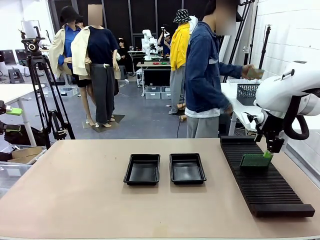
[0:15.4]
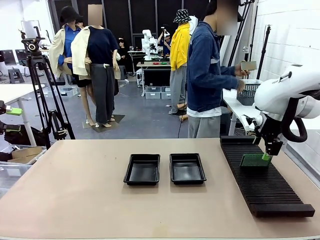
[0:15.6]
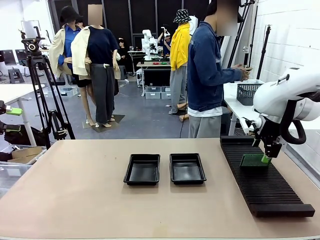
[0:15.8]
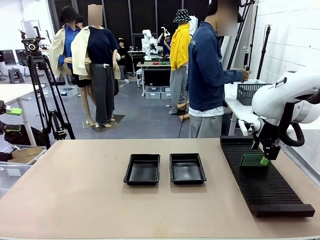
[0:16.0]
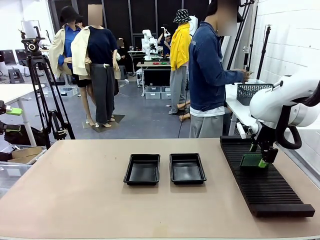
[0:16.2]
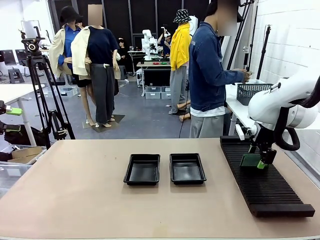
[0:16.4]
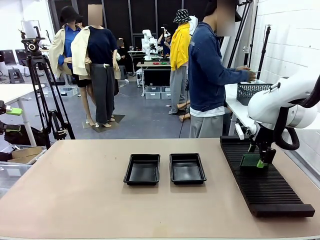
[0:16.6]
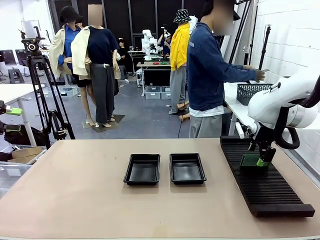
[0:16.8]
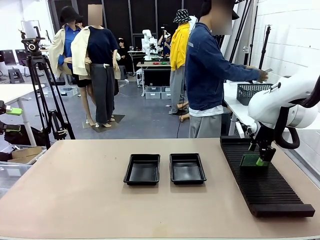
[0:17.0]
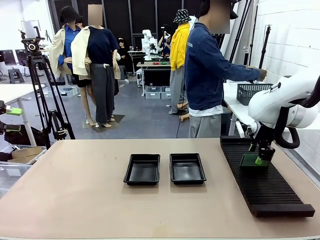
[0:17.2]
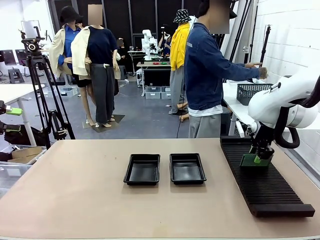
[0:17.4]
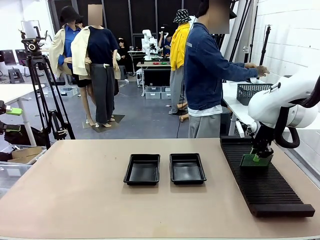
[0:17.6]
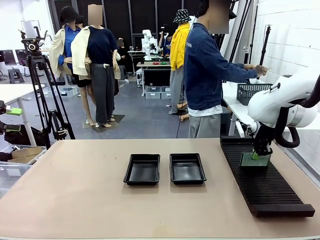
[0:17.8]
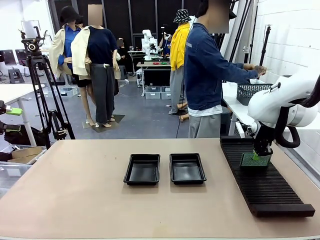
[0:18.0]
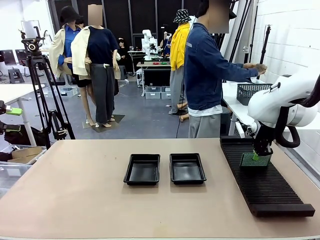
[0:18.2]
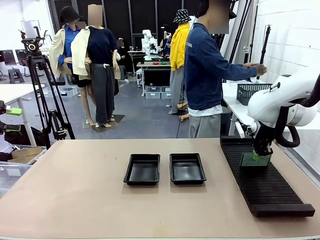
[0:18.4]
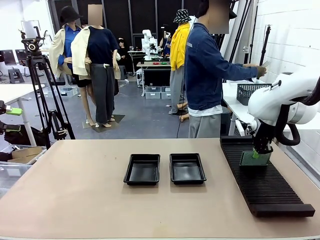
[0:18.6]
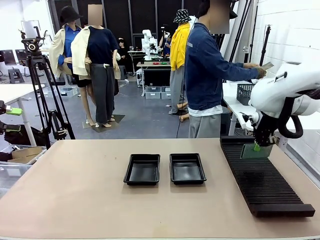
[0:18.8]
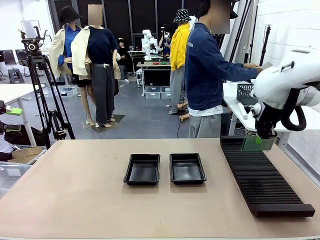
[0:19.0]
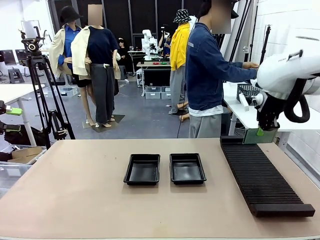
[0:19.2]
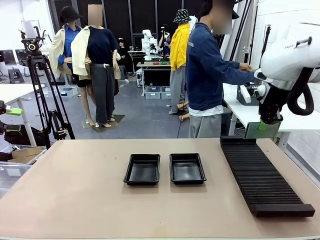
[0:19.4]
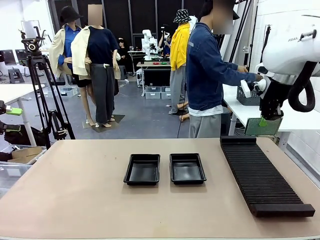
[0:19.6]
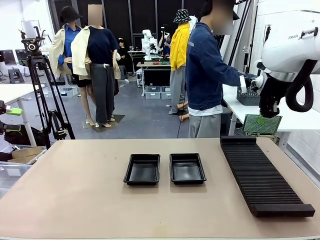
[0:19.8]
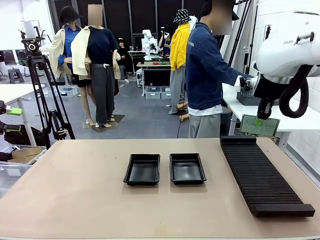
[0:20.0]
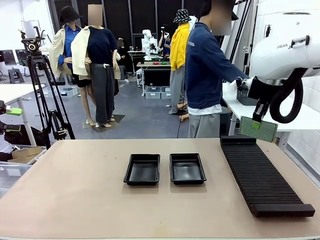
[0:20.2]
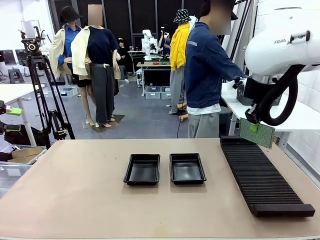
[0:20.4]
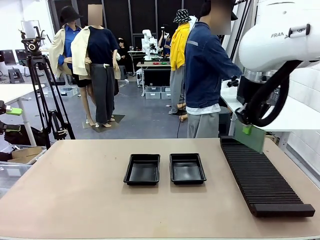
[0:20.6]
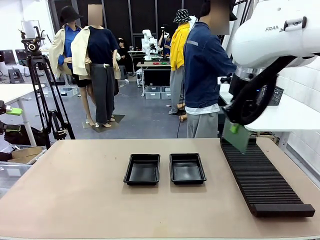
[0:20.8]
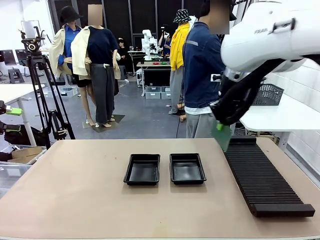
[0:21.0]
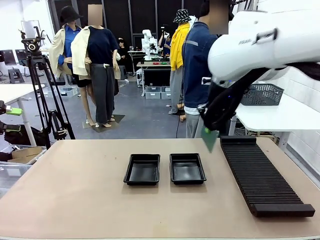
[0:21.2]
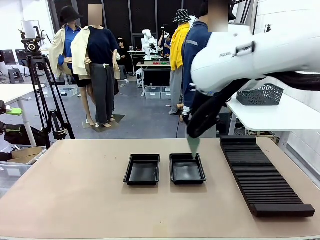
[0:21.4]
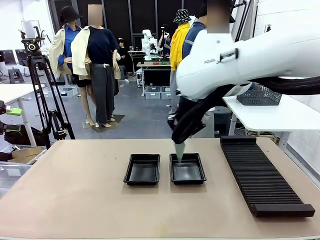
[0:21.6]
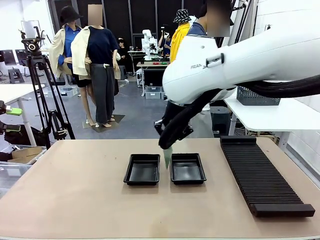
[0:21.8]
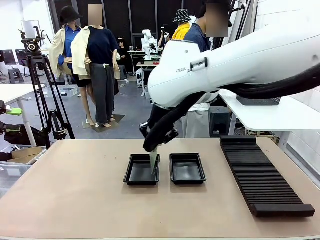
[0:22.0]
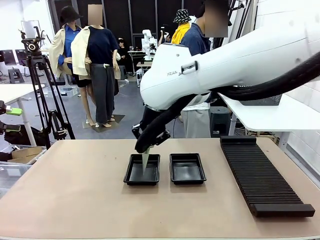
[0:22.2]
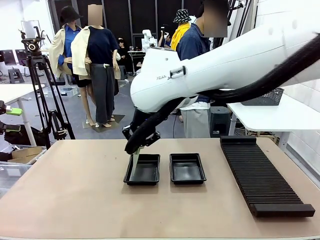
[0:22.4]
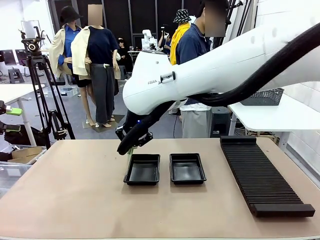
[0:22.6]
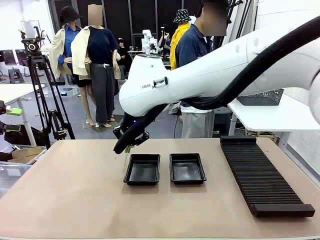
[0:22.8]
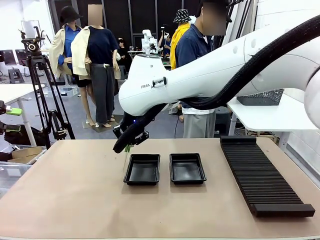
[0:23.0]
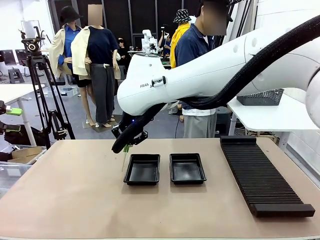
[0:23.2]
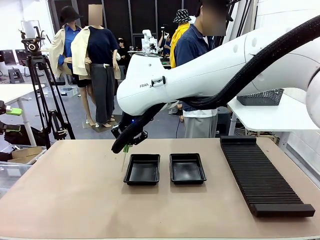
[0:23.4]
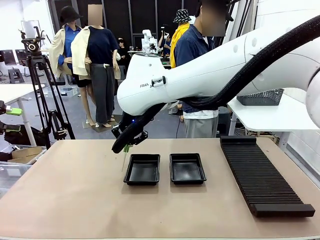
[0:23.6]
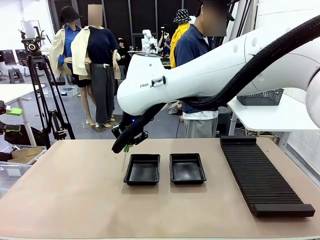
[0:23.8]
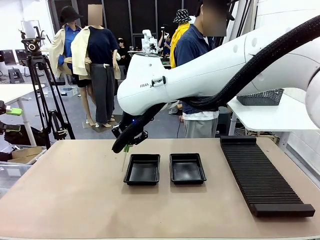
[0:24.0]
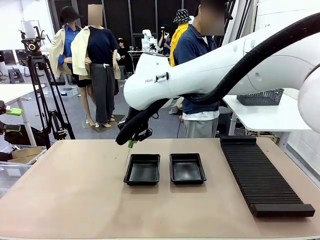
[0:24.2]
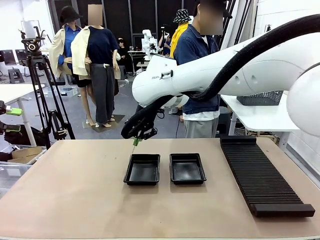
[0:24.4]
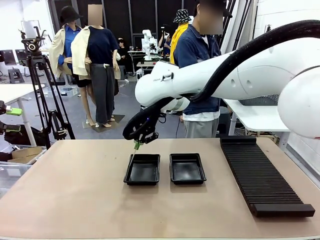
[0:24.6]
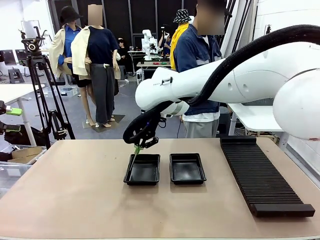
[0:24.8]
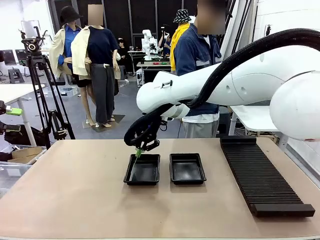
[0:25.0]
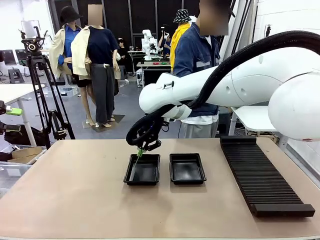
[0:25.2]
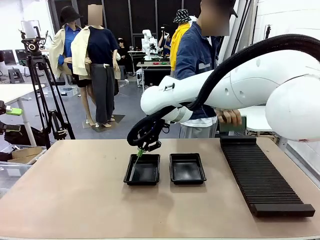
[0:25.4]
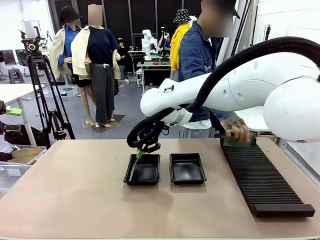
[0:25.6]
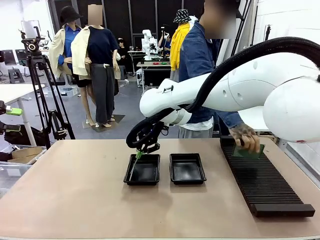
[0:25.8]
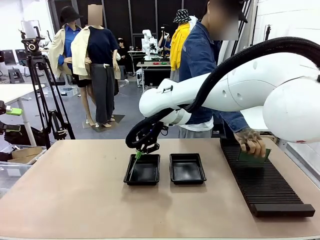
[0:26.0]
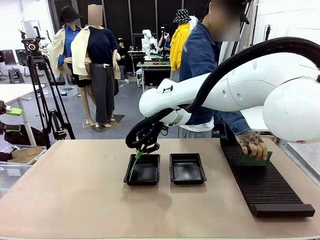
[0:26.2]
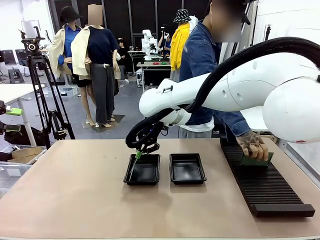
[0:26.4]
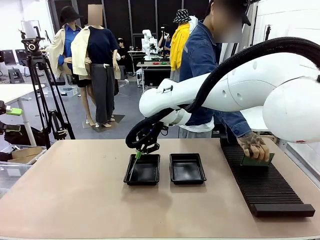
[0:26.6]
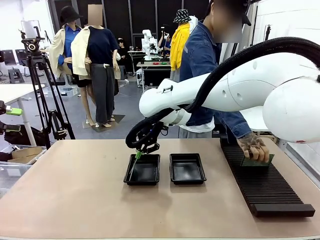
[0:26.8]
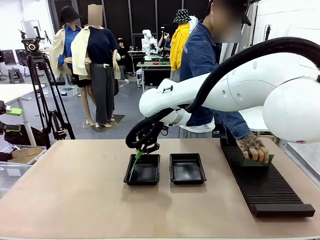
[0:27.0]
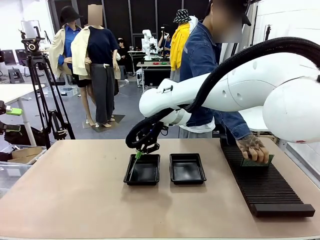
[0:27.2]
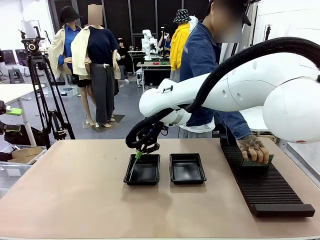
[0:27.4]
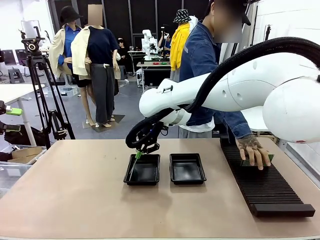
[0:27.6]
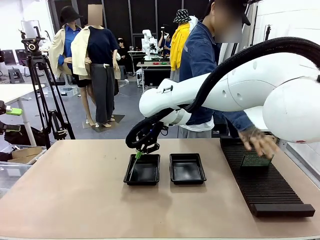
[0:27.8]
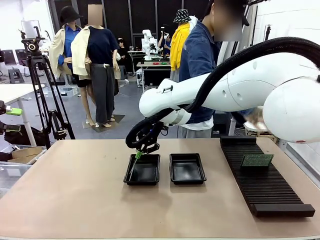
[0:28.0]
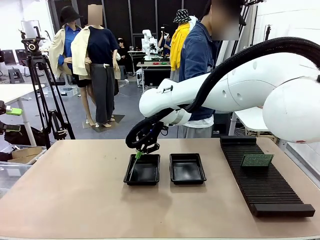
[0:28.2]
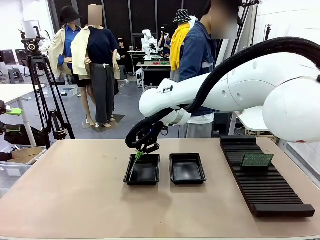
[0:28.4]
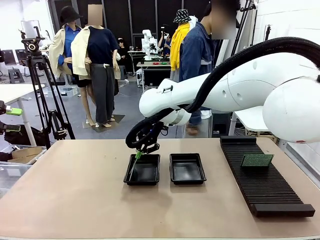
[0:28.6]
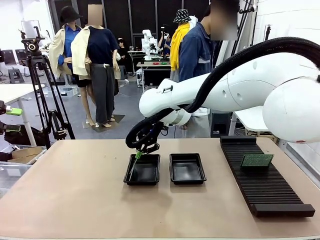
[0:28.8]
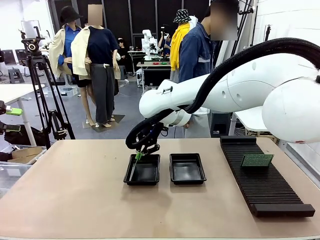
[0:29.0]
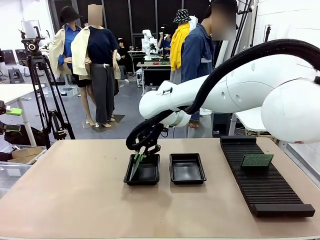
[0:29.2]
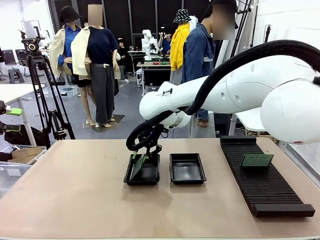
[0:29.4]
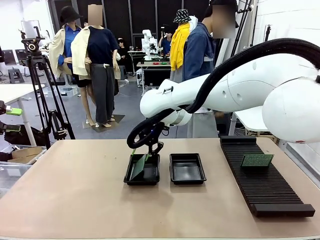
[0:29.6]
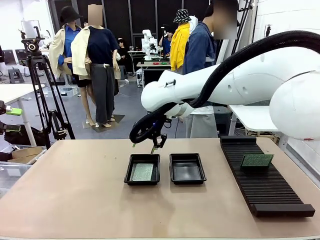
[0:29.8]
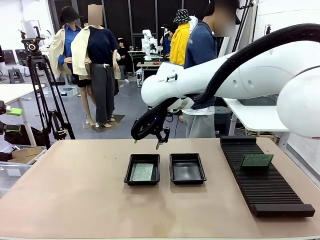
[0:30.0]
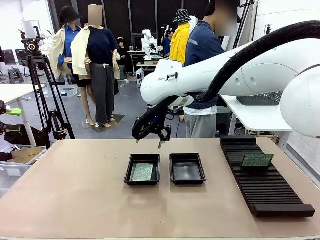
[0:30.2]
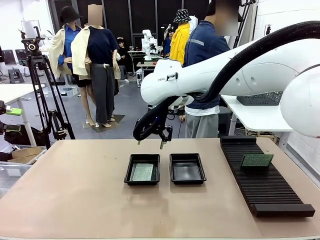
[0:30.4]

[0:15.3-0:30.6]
Task: Inspect and transfer BCBs to ESD trays.
Robot: Pick up the Blank PCB from the PCB Rack and place it in the left ESD tray.
